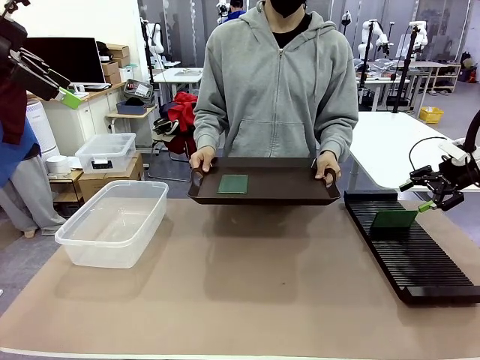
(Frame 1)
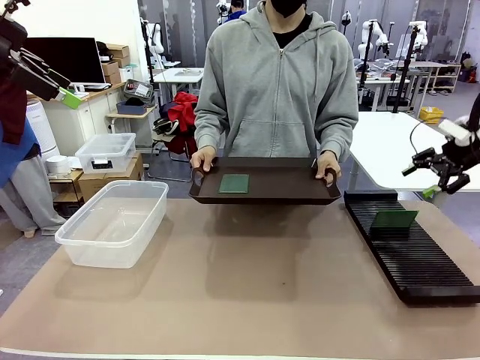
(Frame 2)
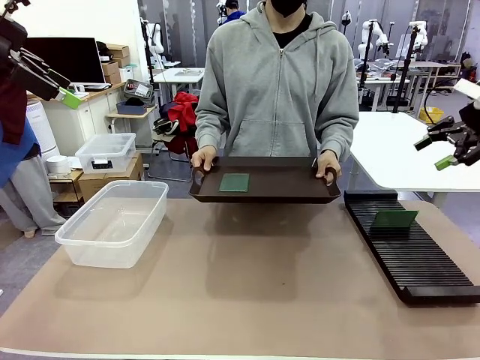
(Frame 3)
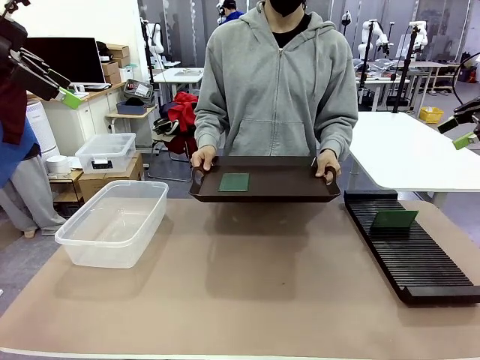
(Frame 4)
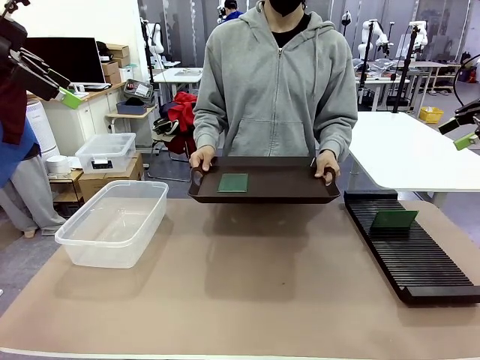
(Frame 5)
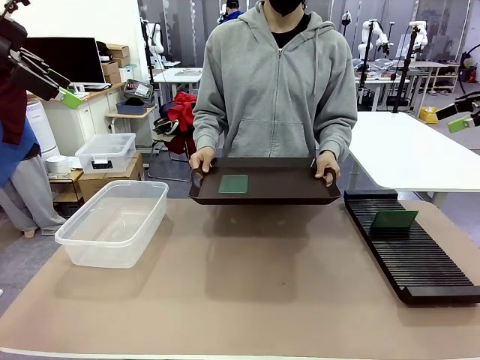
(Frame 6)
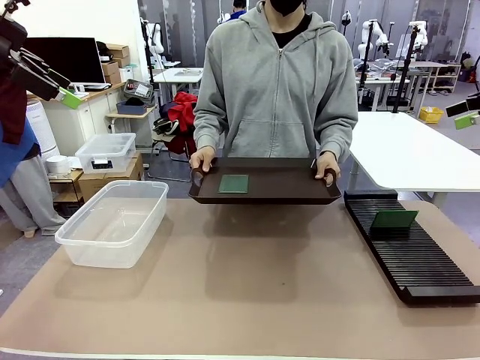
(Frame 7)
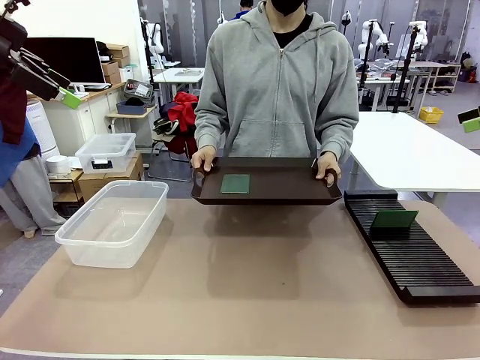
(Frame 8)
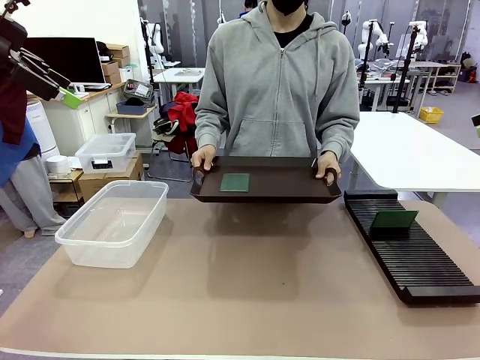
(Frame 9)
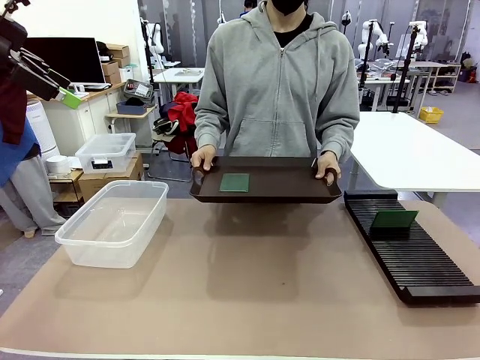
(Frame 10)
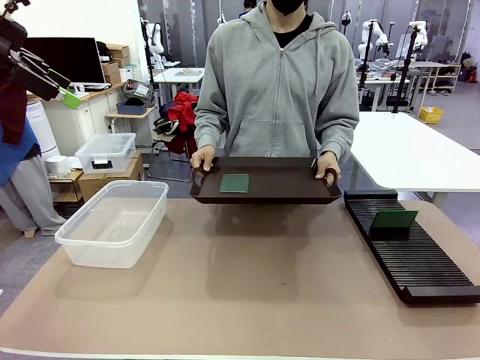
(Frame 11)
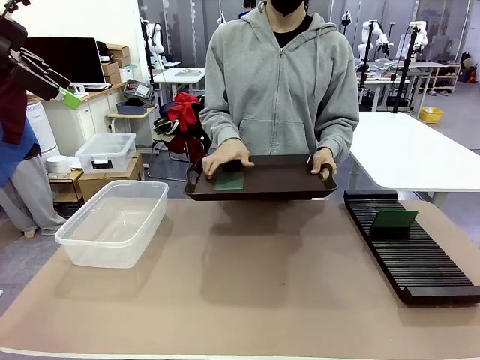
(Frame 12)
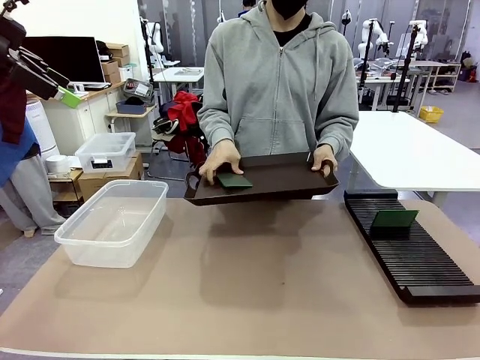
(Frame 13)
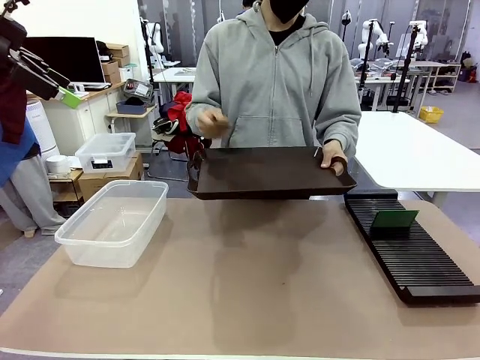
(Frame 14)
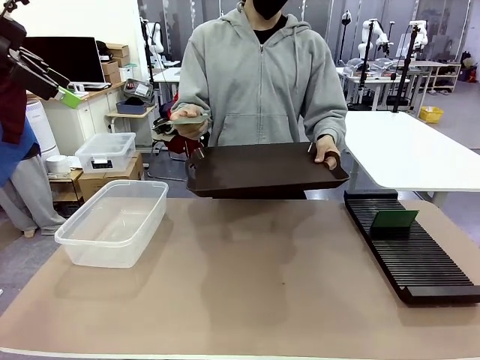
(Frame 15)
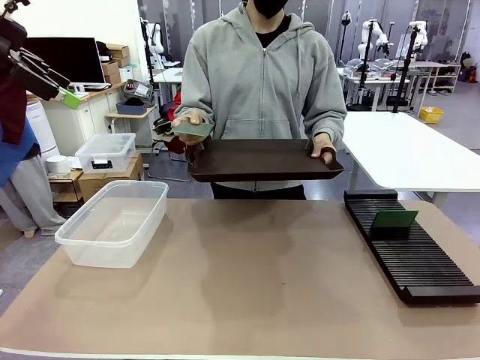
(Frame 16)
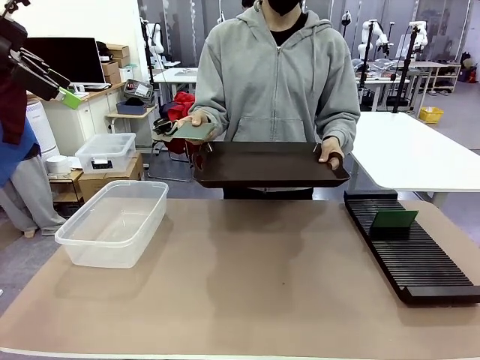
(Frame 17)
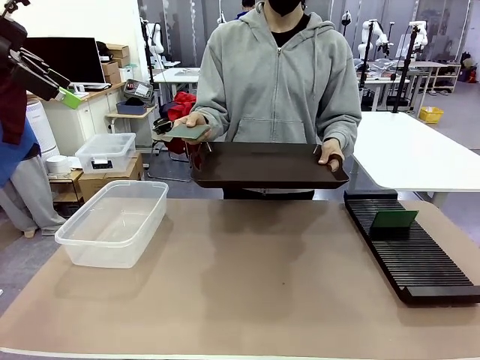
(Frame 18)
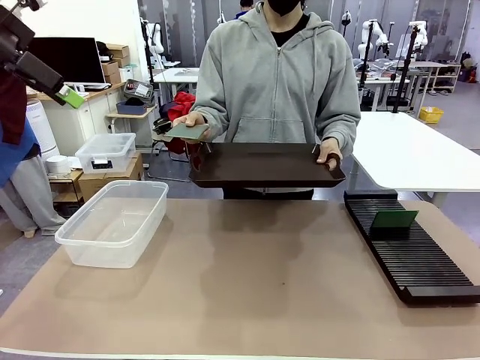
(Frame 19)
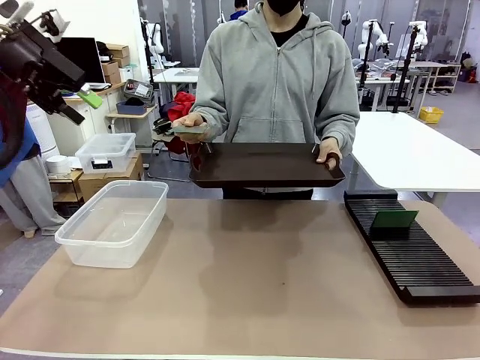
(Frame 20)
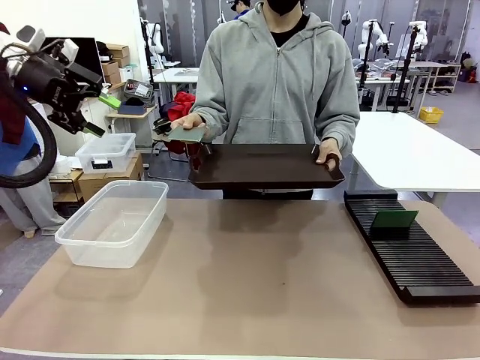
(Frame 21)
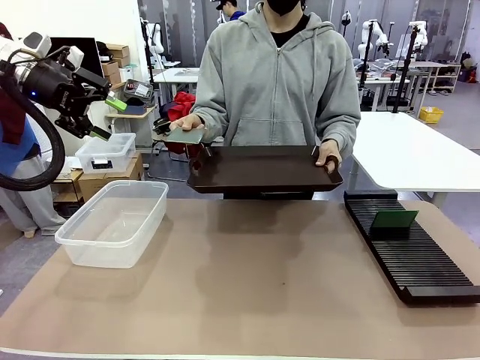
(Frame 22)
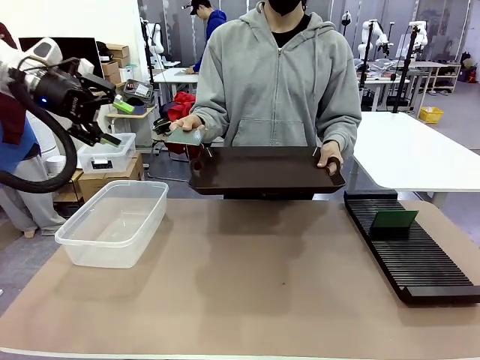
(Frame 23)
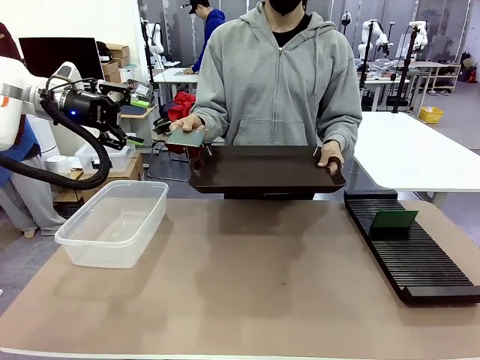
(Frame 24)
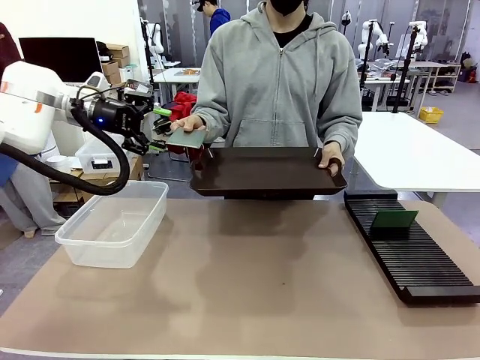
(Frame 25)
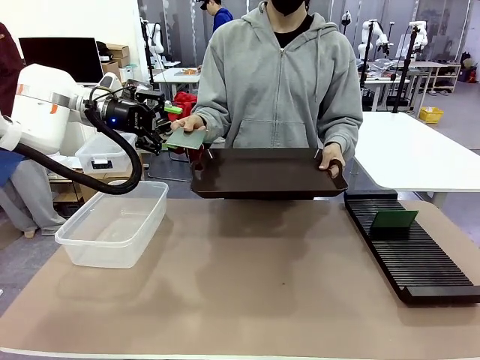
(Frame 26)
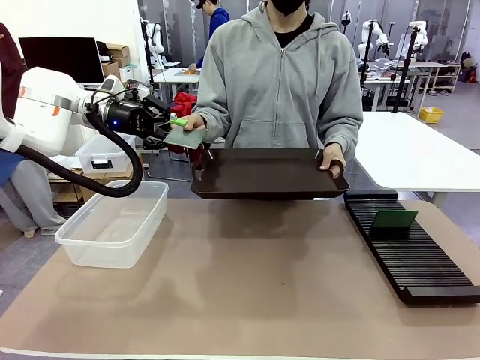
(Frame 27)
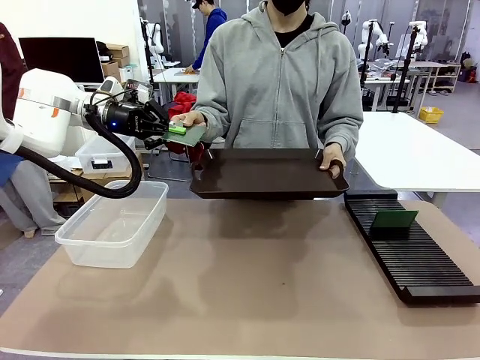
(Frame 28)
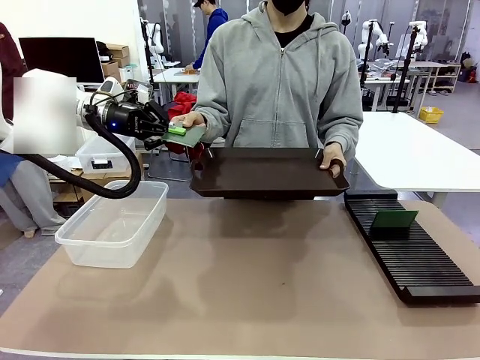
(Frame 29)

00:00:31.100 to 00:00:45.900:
Task: Sort PCBs into racks and boxes based on the side picked up.
Robot: Pick up the Blank PCB handed by the Human.

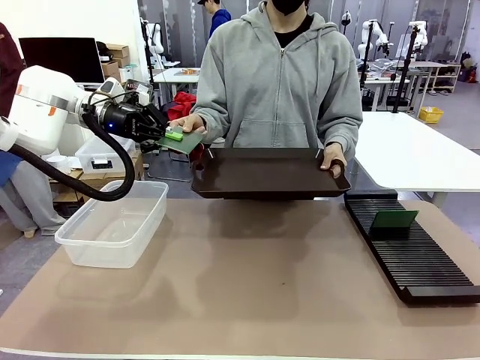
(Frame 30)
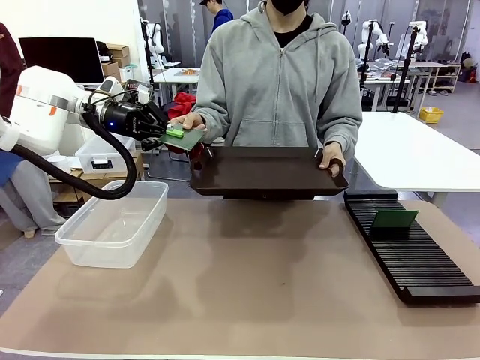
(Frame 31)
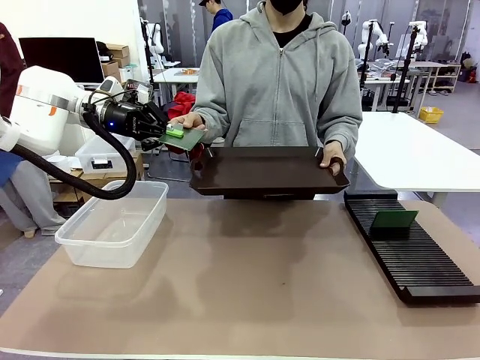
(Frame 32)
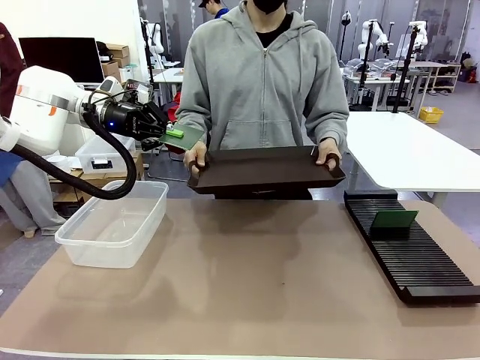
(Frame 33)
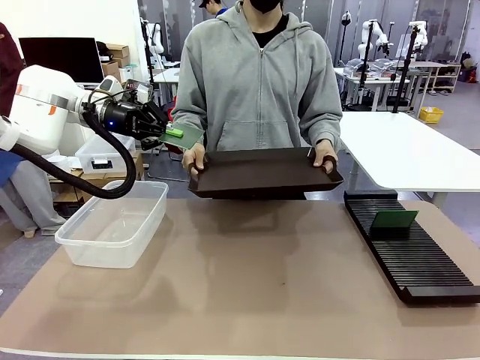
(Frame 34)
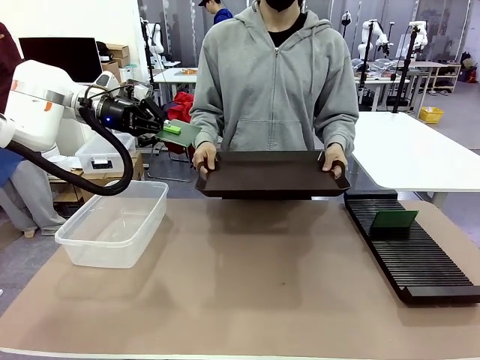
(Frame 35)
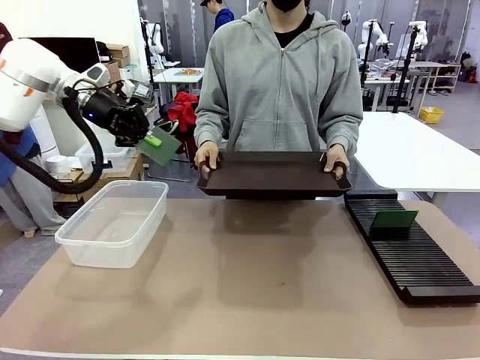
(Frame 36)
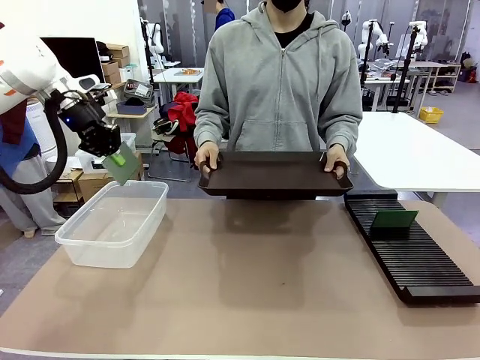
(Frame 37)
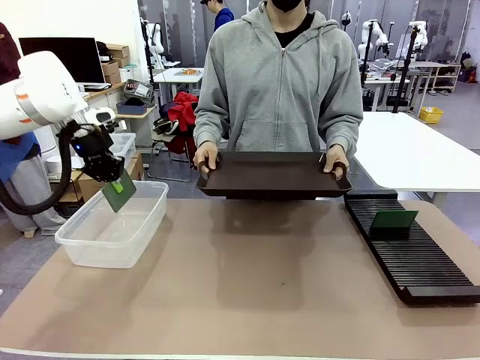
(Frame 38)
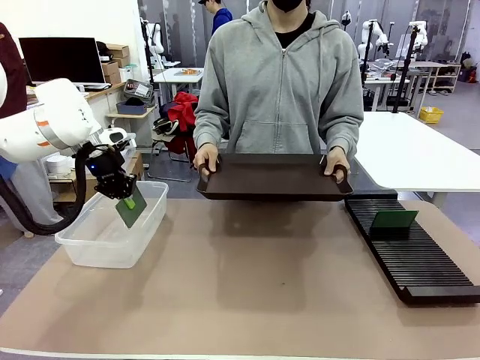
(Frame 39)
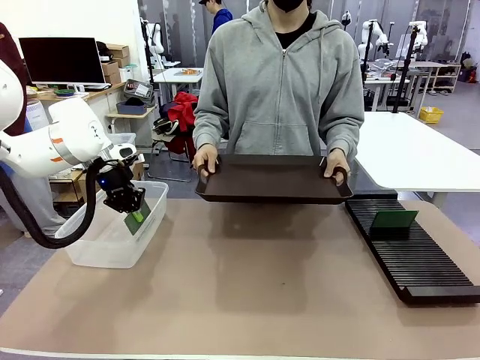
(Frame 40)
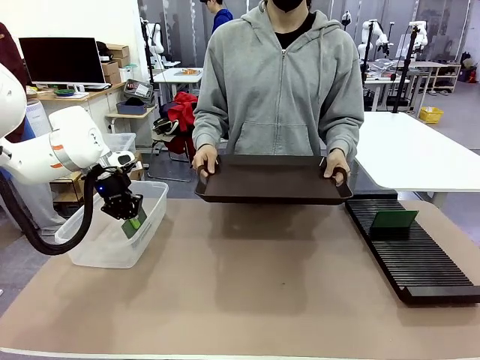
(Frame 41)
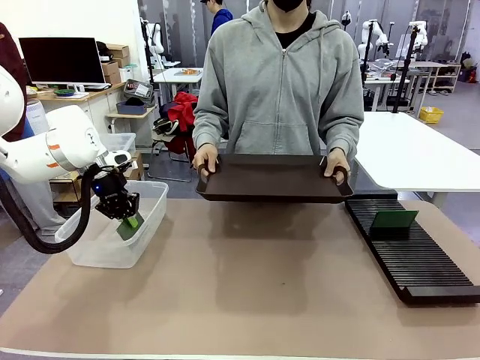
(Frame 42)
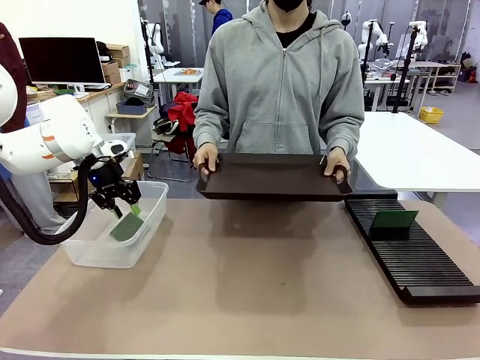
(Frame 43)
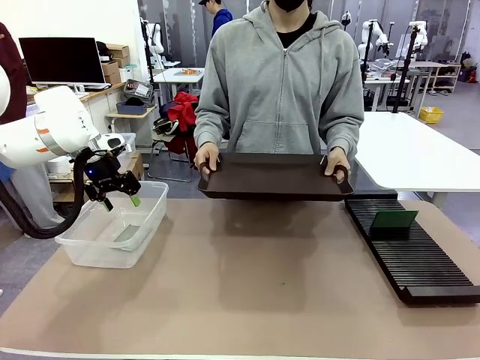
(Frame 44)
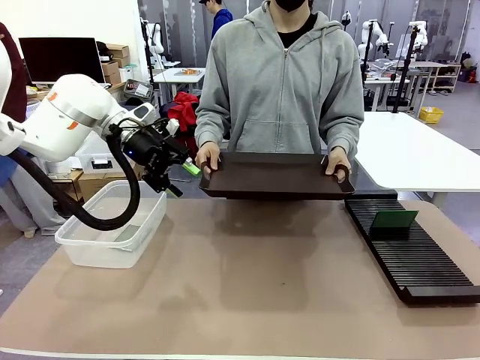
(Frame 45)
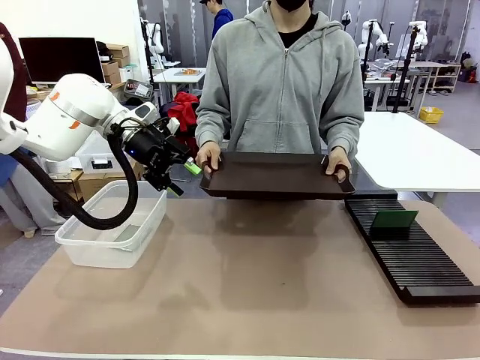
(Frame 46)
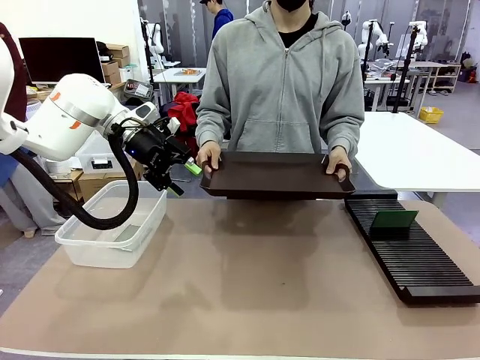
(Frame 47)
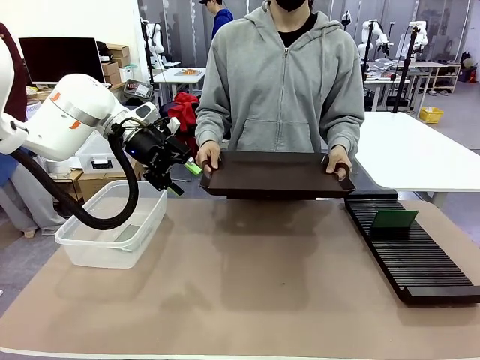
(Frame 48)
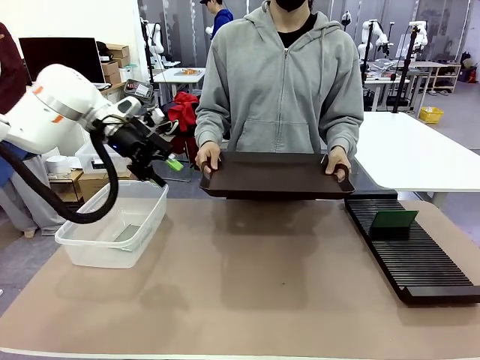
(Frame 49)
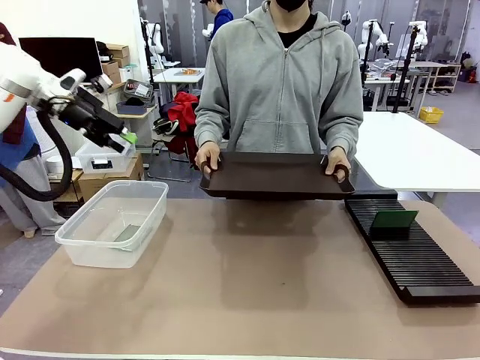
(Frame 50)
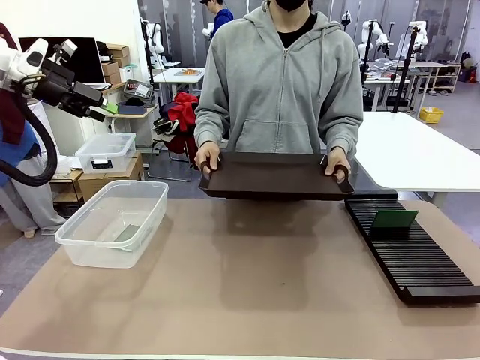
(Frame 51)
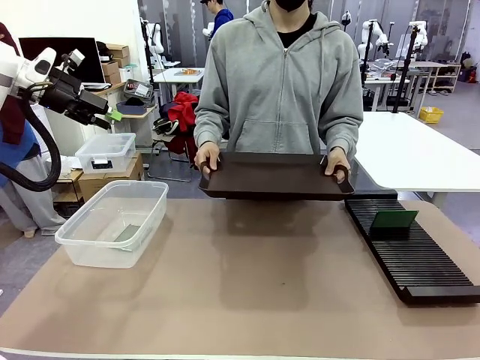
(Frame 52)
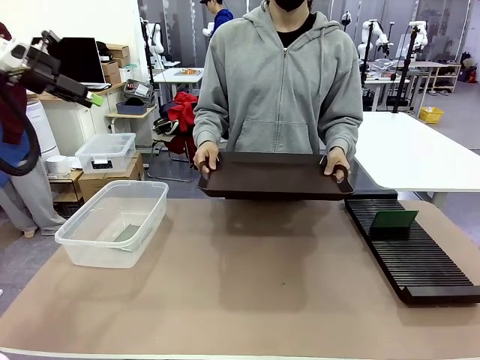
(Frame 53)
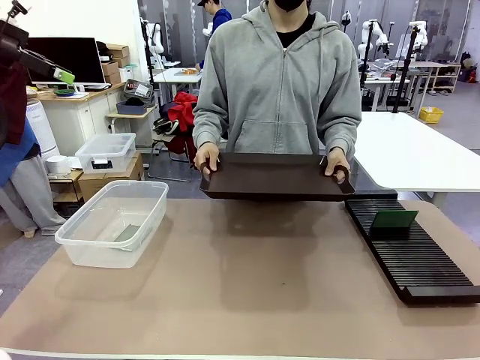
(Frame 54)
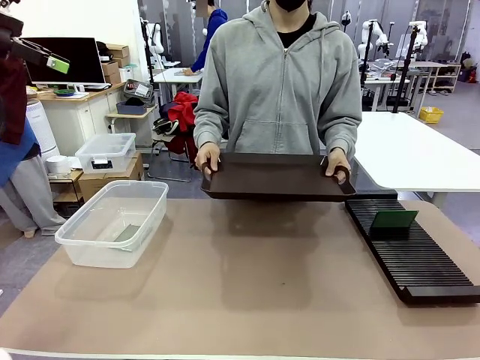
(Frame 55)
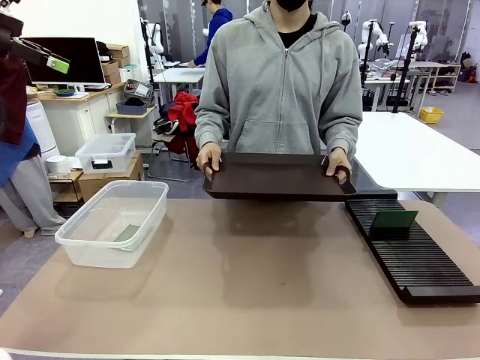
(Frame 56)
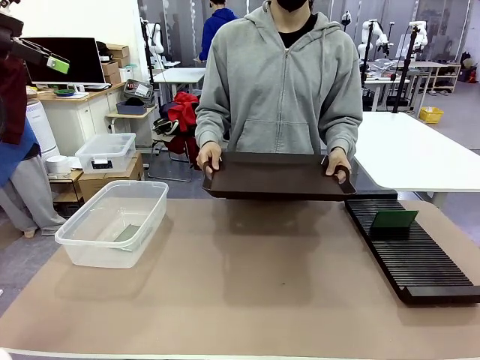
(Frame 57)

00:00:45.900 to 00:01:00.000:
Robot: If the short side of the Blank PCB is picked up, insert it into the PCB Rack ; if the long side is picked up, place it in the Organizing box.
Person: Release the PCB being held.
